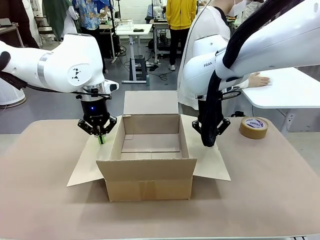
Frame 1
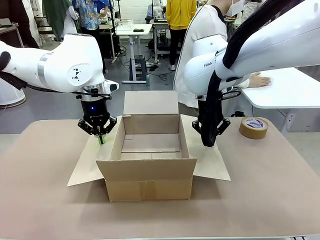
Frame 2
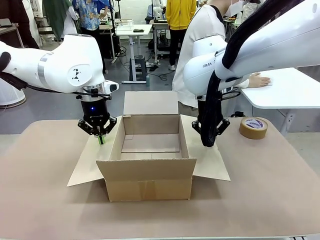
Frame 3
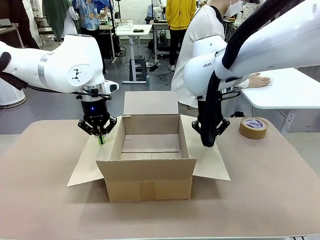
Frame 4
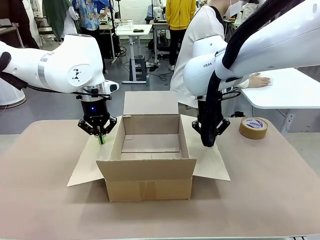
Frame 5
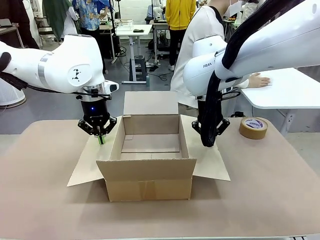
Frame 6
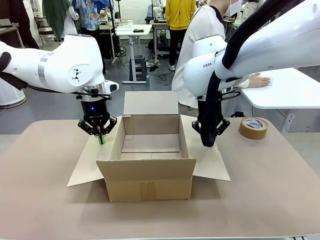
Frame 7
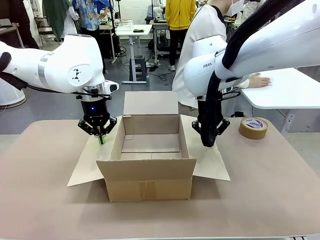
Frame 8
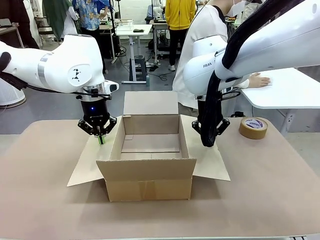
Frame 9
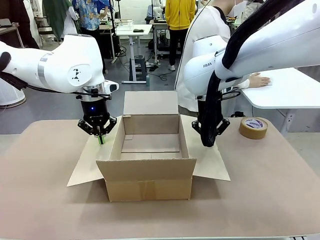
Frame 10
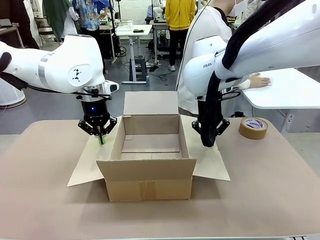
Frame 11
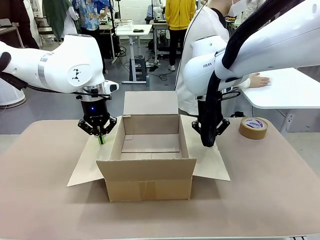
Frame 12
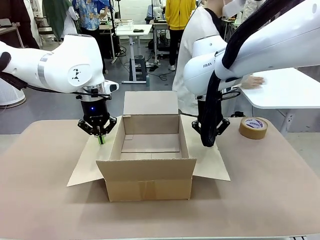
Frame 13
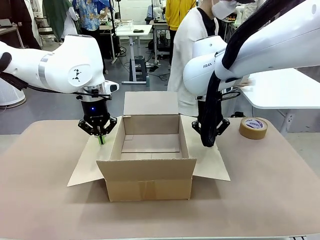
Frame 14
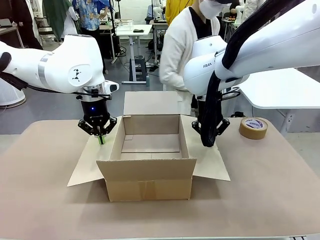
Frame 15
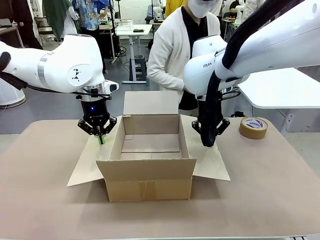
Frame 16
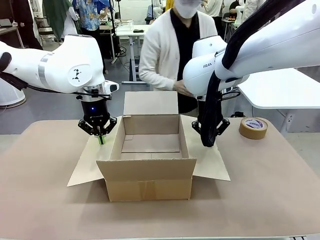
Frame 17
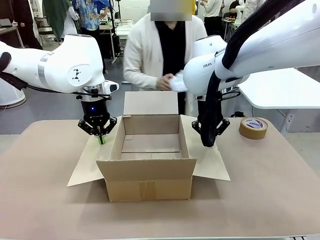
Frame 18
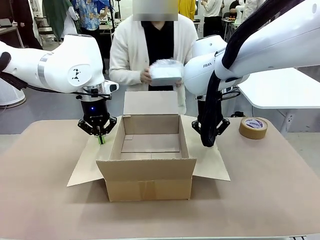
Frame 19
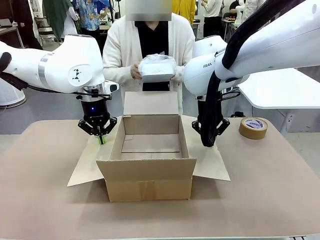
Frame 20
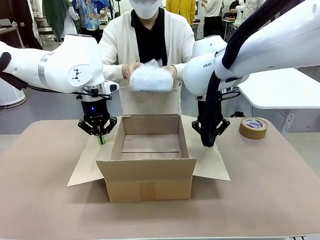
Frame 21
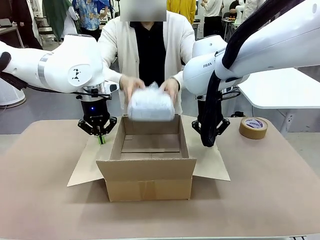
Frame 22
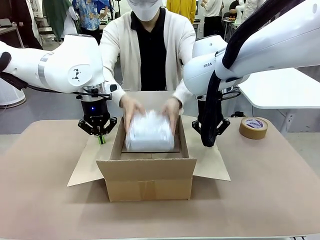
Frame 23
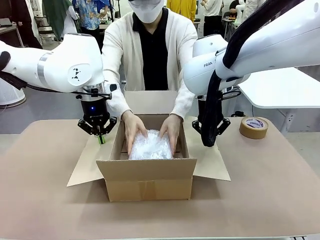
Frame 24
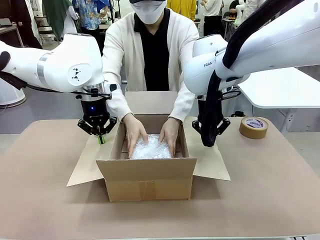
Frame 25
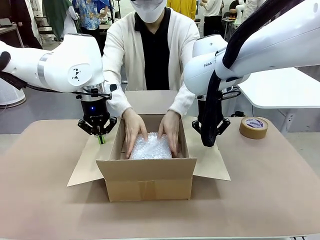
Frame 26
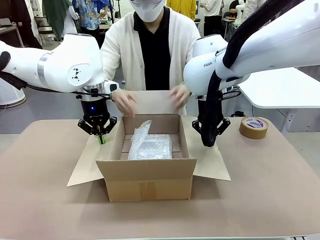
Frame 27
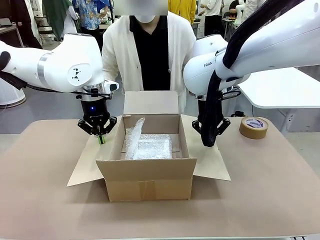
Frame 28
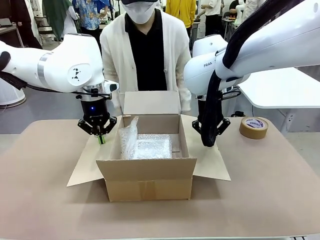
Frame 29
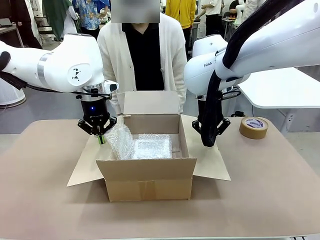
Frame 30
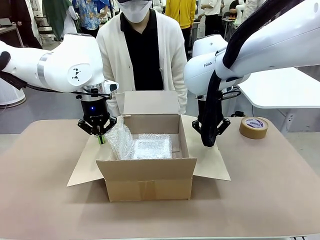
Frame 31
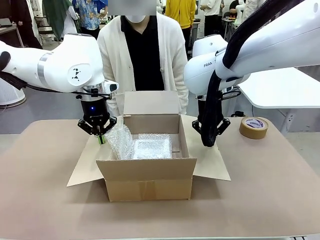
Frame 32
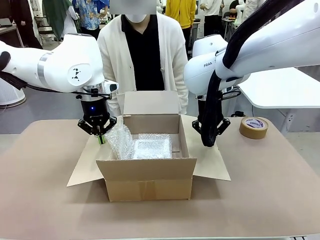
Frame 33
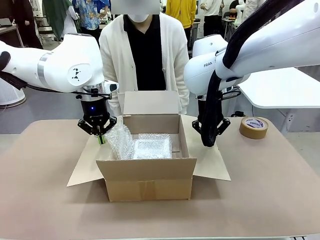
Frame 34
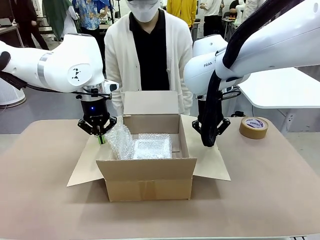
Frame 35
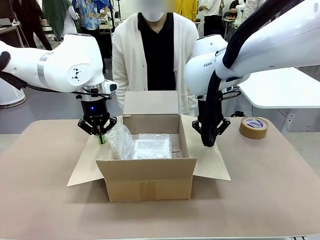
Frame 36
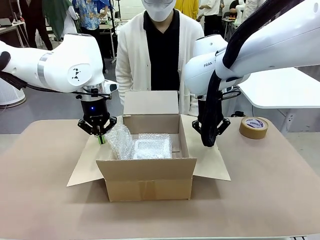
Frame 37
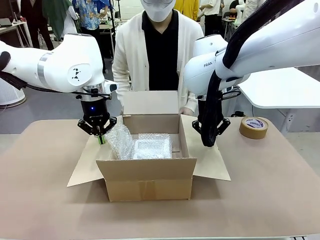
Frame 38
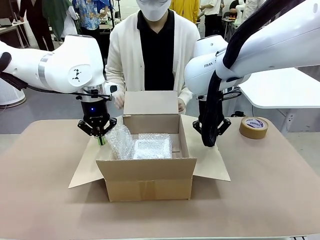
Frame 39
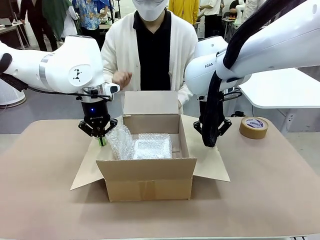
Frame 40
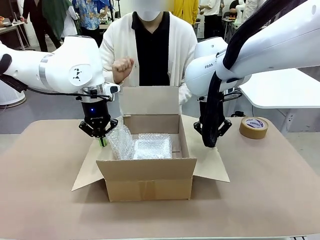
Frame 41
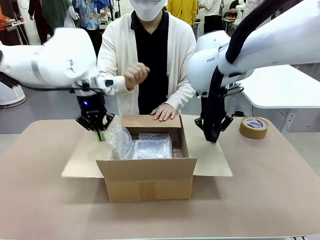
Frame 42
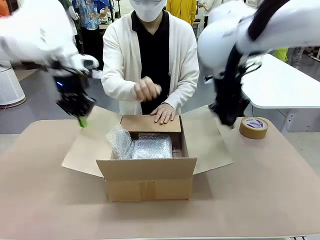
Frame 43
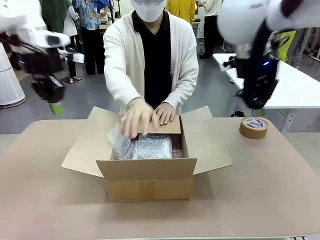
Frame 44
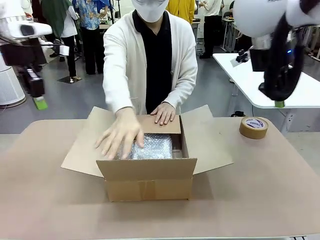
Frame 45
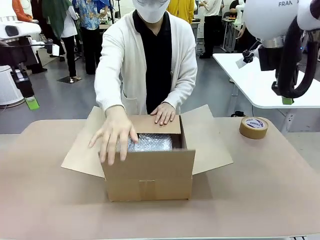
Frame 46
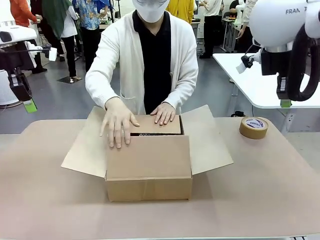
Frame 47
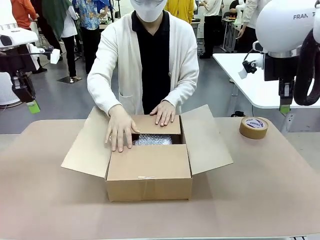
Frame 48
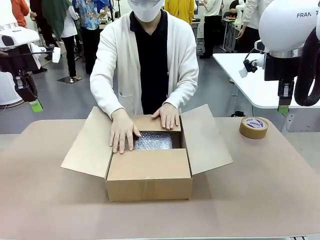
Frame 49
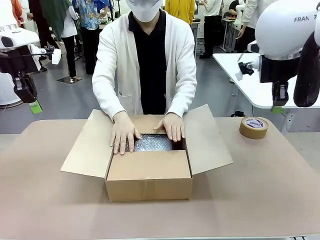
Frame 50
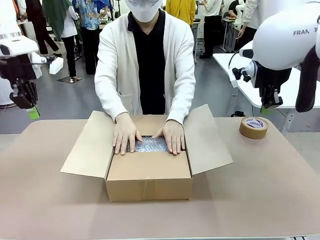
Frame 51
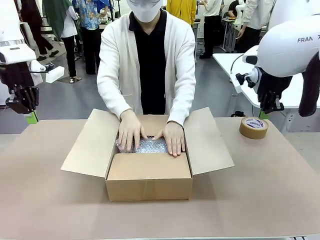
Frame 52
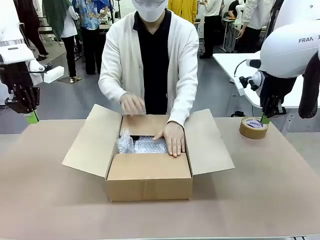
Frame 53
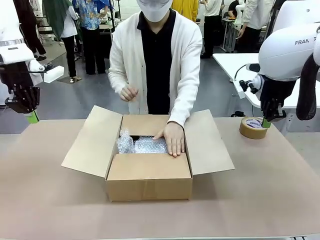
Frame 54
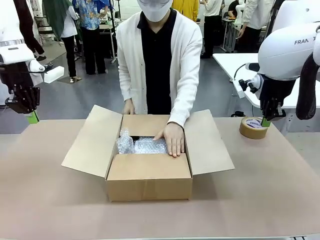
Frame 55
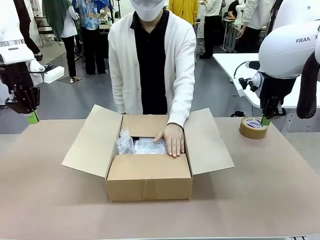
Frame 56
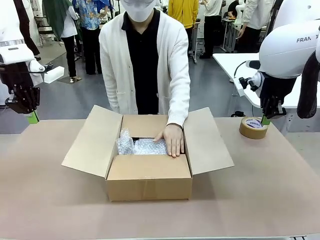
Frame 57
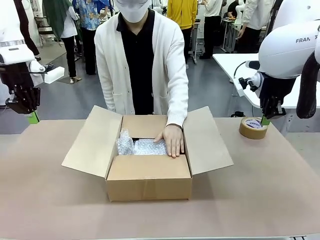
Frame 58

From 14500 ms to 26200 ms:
Task: Wrap the clocks to prevent damage.
Robot: Once the human has placed the objects inside and stepped back, release both hands from the side flaps of the Package Box.
Person: Place the wrapped Digital clocks inside the Package Box. Hold the top and bottom flaps of the Package Box closed with your left (or right) hand.

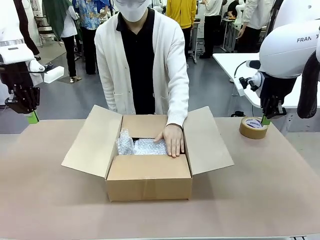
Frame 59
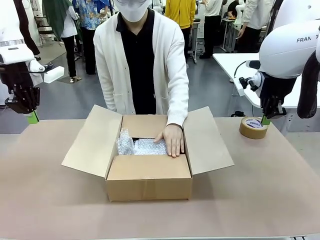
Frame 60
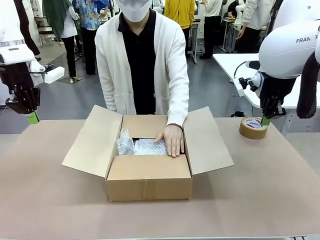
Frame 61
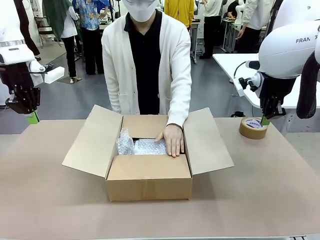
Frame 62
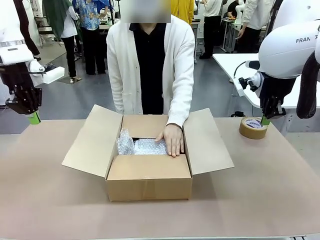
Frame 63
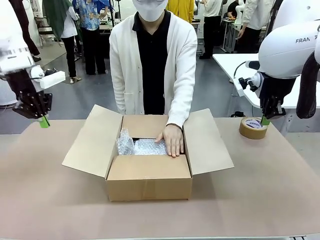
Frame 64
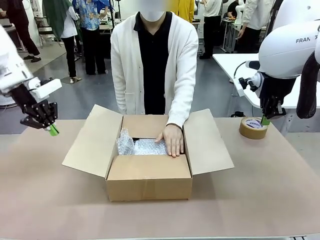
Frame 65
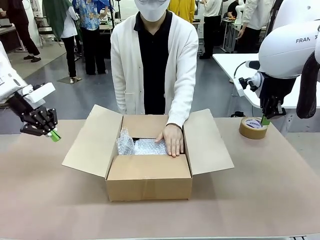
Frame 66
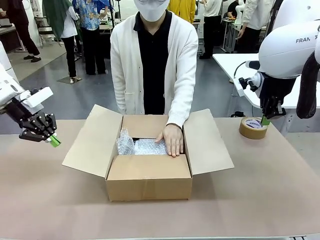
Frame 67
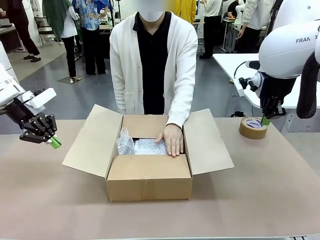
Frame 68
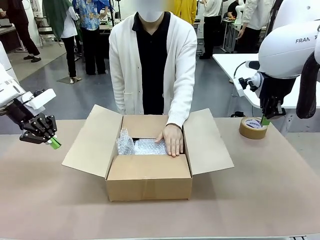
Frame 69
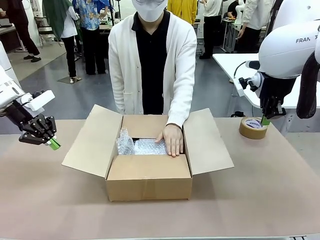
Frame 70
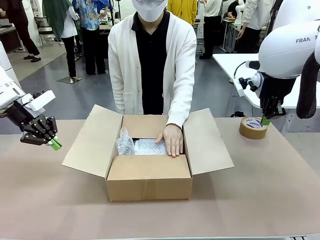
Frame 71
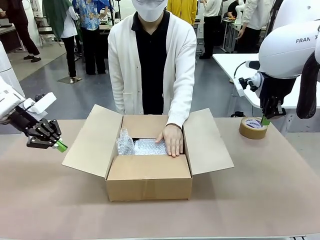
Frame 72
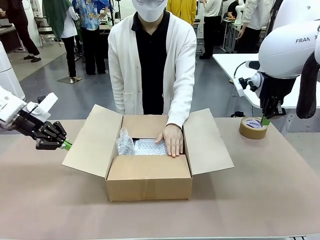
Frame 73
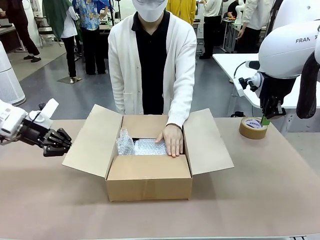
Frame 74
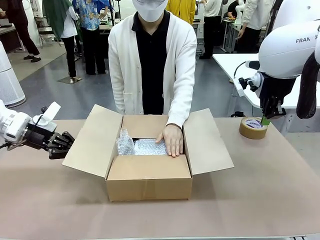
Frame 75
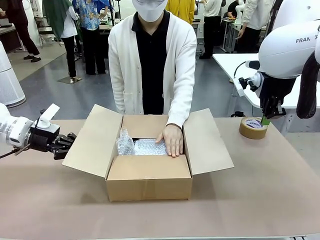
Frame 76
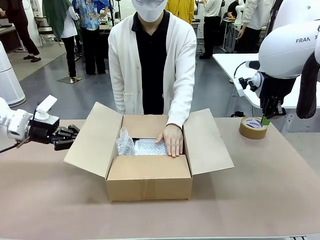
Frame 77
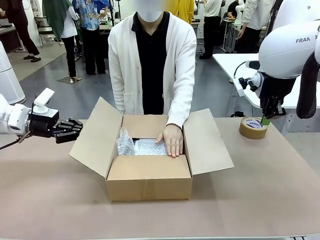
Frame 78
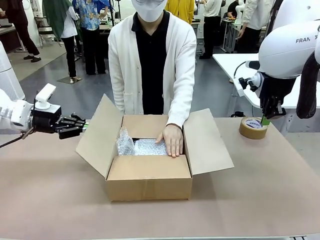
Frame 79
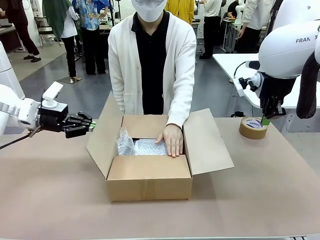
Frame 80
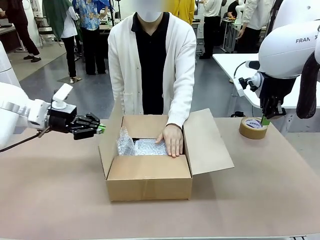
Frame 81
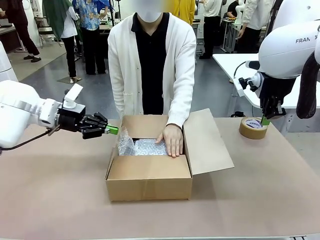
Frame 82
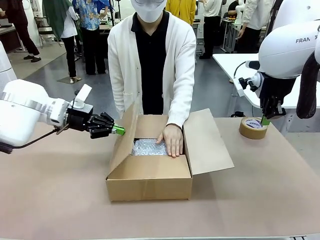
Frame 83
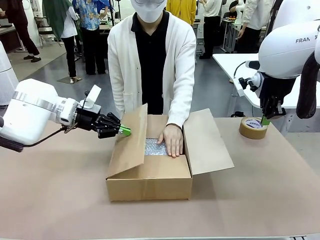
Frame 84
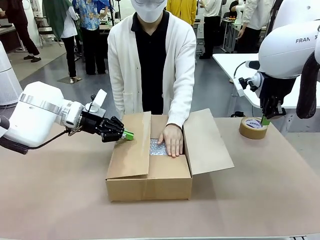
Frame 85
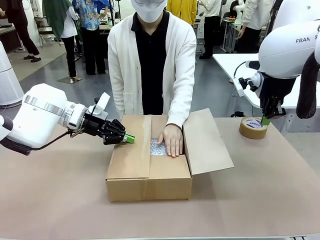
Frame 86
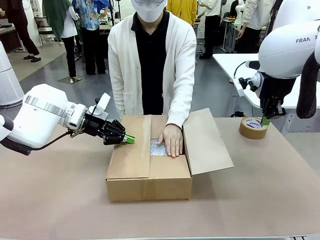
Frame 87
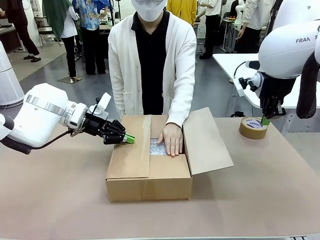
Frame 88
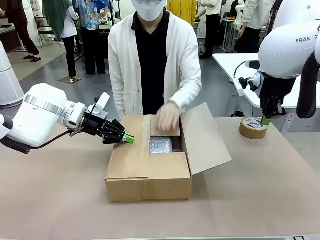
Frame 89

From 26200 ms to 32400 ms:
Robot: Push the right (or left) flap of the Package Box to close it.
Person: Once the robot closes the right flap of the Package Box , release your left hand from the box.

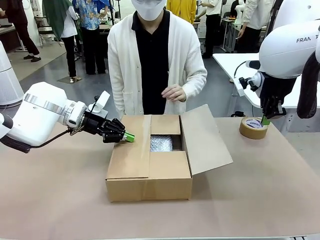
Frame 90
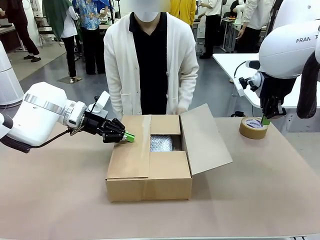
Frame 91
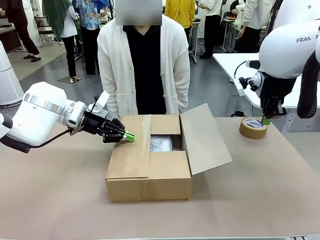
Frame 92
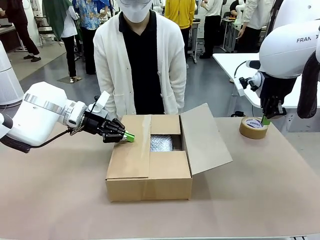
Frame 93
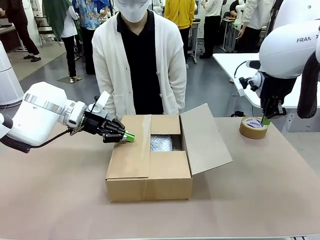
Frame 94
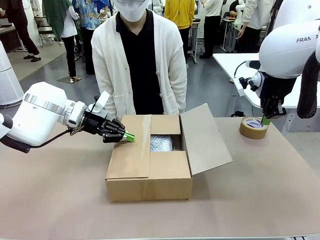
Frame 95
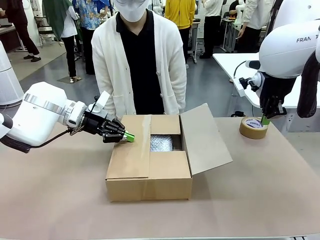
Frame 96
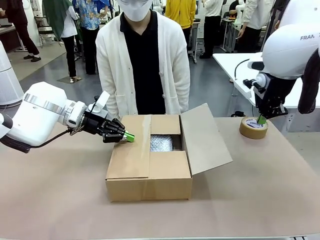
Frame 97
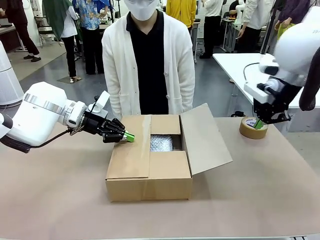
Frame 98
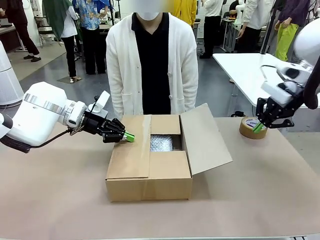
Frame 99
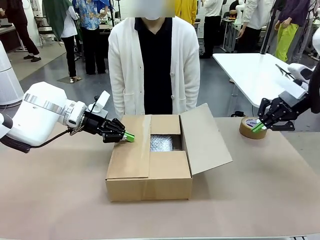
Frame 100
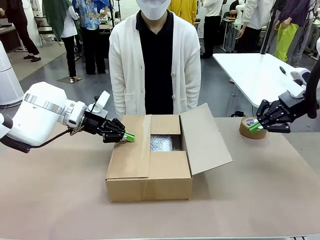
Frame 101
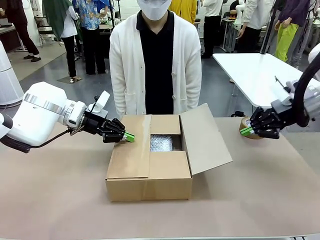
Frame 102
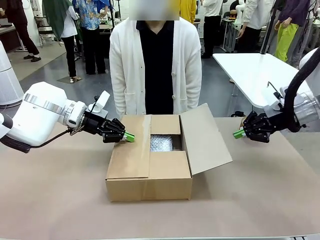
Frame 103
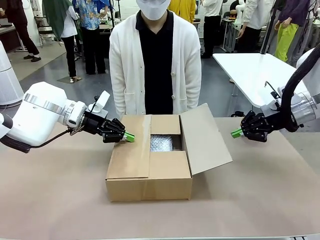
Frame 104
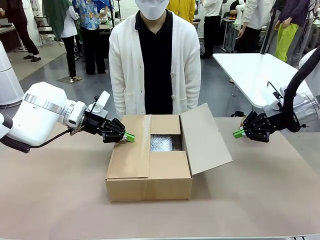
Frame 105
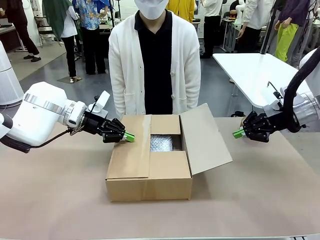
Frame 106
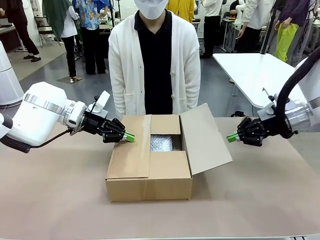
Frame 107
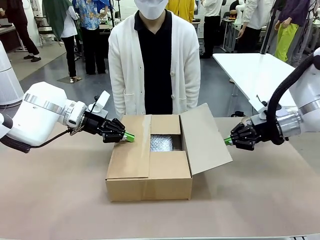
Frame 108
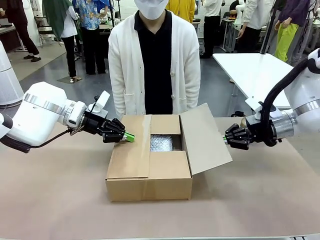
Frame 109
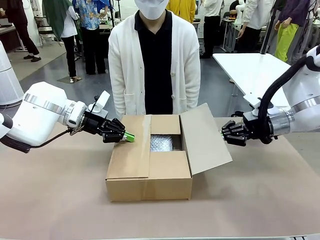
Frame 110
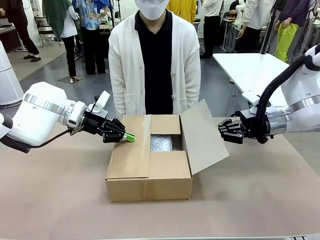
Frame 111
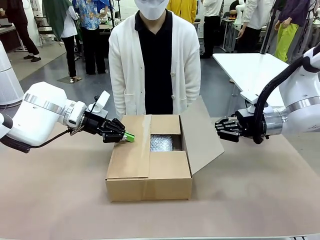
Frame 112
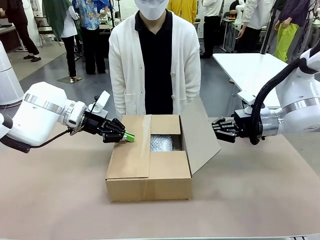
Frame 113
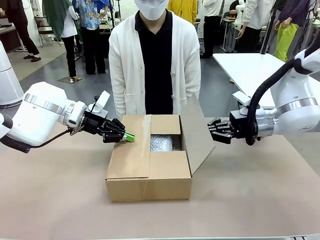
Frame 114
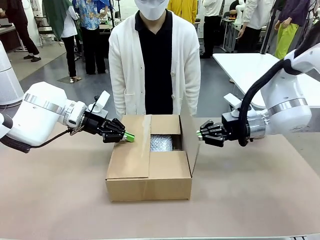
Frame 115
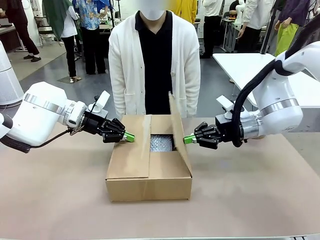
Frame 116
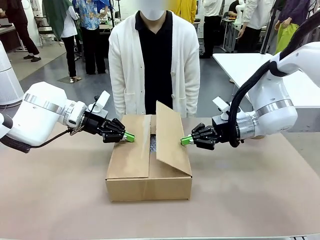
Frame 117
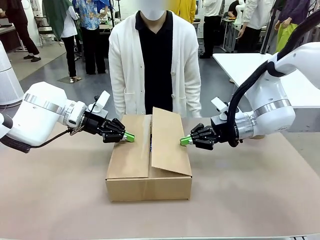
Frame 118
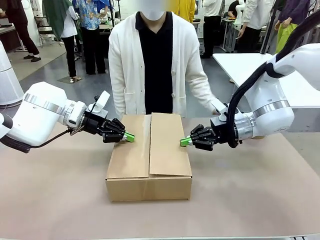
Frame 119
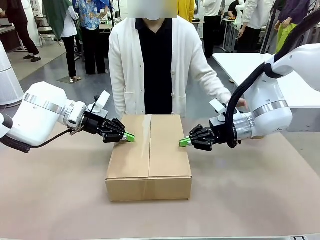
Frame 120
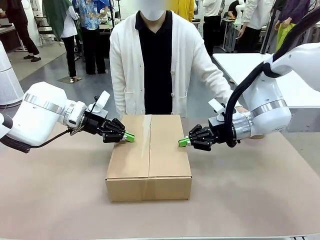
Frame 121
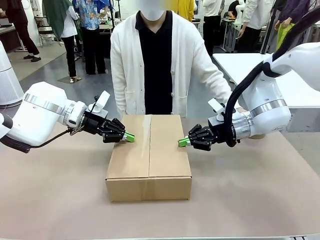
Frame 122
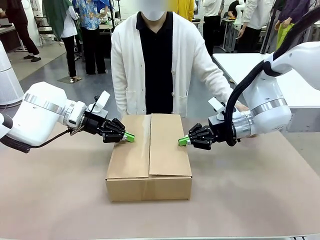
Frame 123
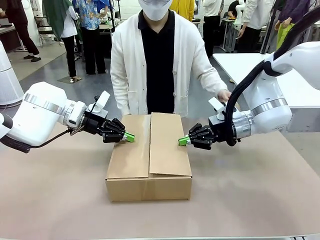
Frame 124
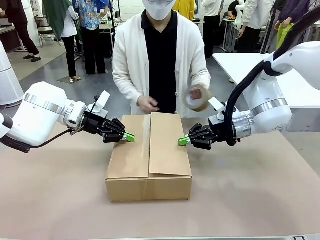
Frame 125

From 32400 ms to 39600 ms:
Robot: Push the left (or right) flap of the Package Box to close it.
